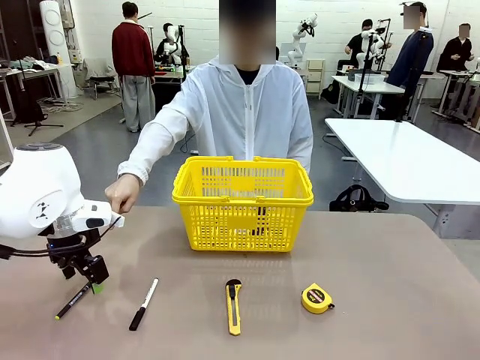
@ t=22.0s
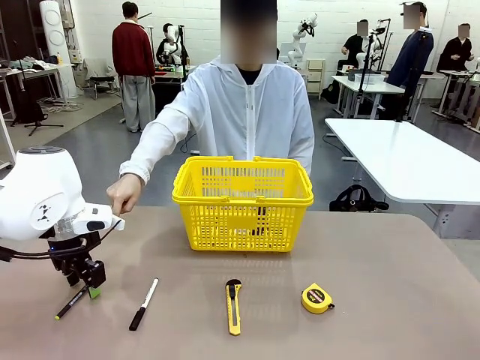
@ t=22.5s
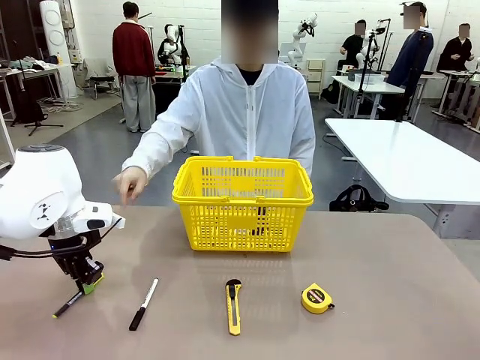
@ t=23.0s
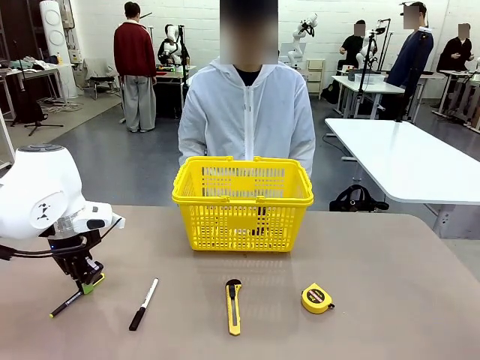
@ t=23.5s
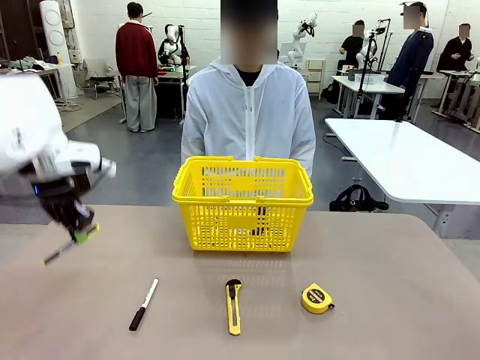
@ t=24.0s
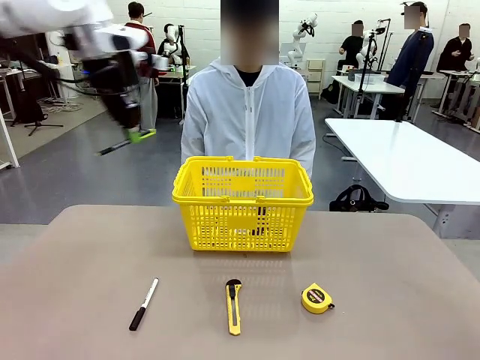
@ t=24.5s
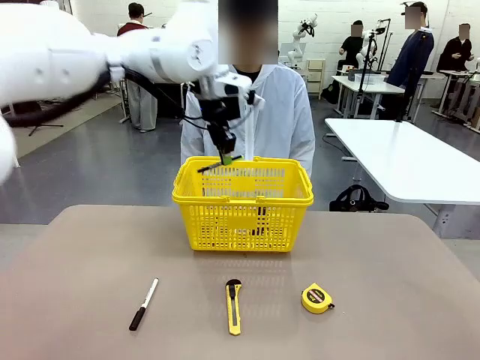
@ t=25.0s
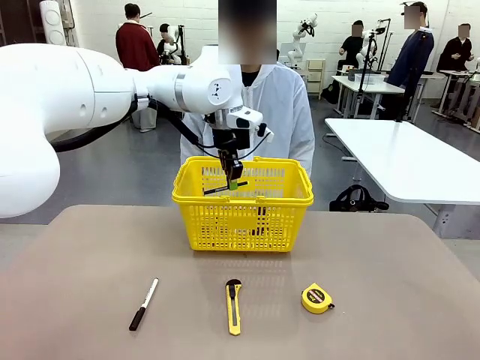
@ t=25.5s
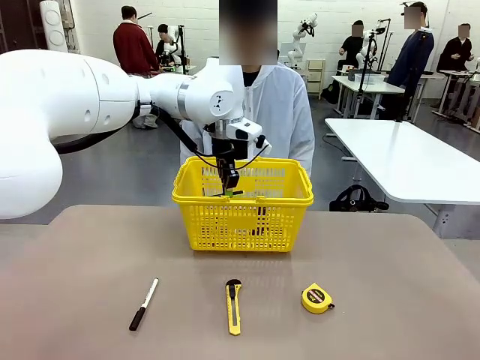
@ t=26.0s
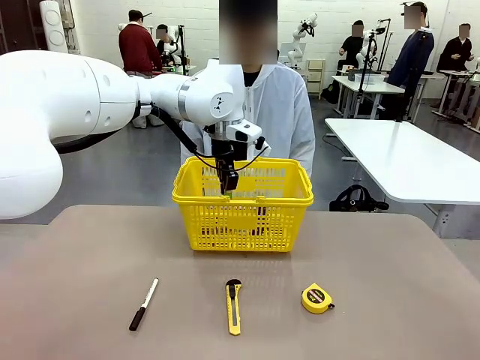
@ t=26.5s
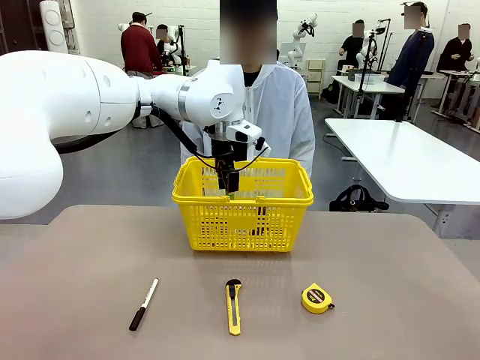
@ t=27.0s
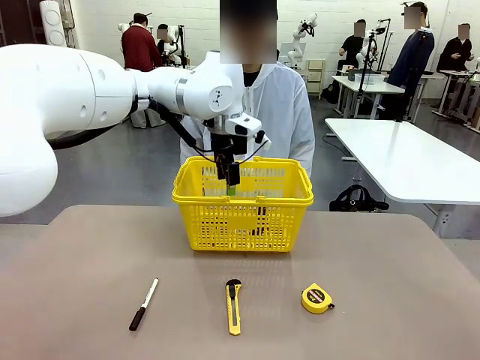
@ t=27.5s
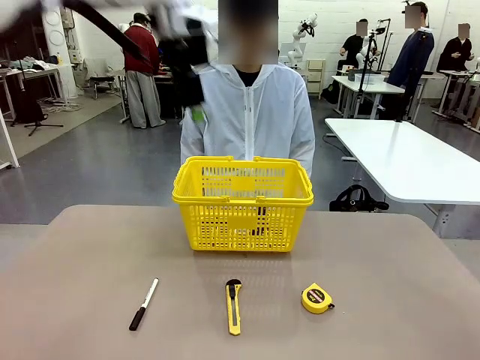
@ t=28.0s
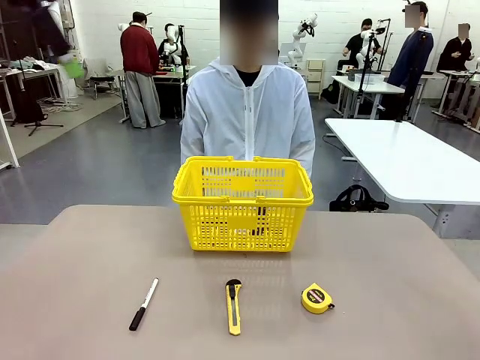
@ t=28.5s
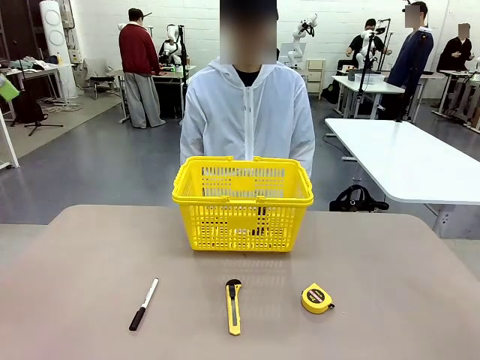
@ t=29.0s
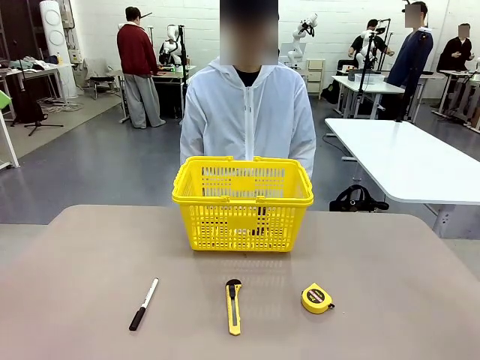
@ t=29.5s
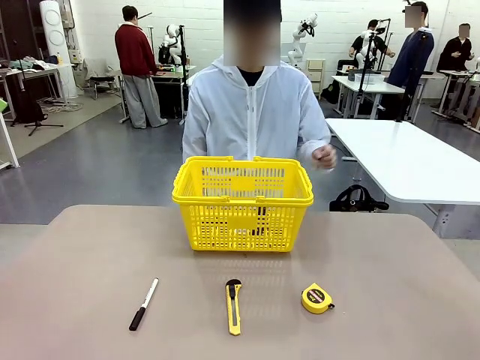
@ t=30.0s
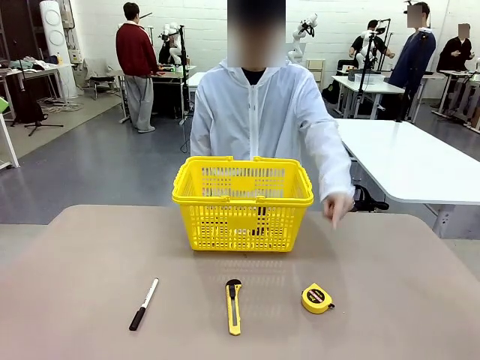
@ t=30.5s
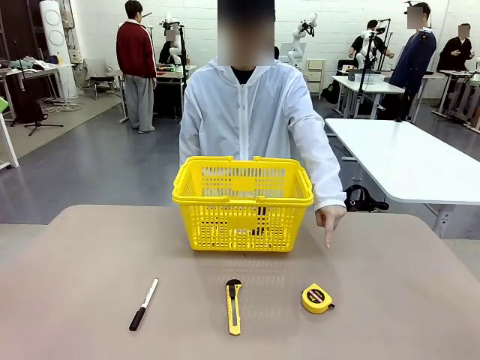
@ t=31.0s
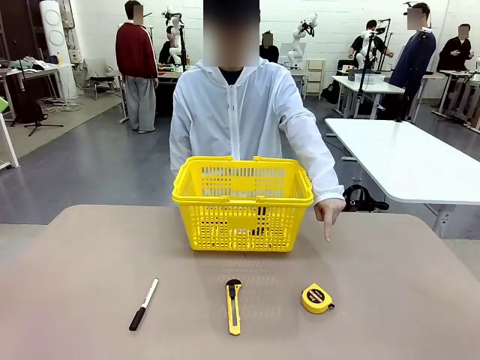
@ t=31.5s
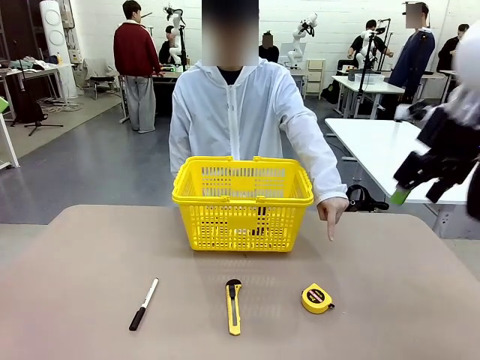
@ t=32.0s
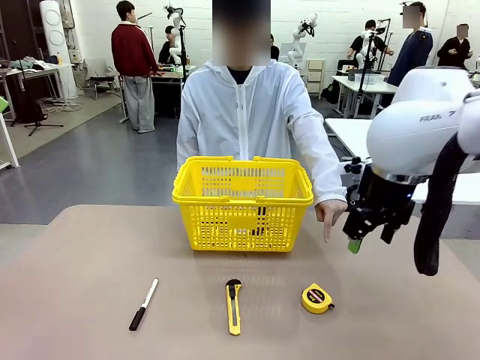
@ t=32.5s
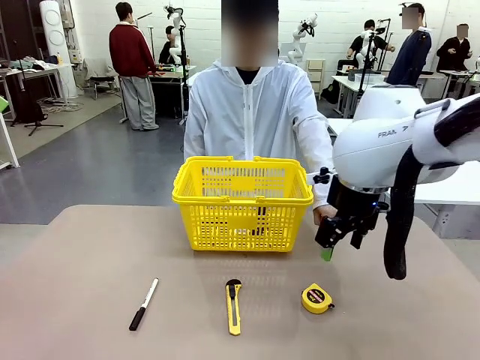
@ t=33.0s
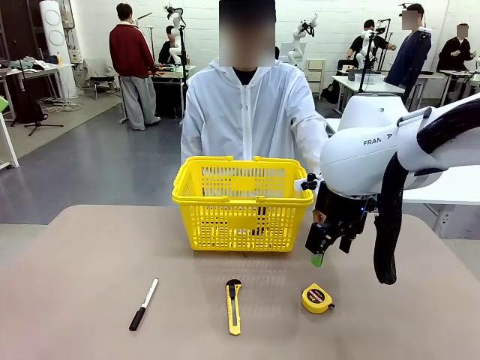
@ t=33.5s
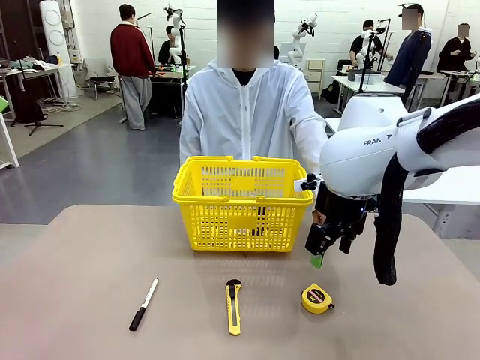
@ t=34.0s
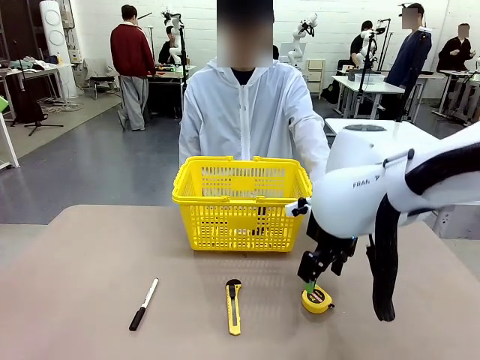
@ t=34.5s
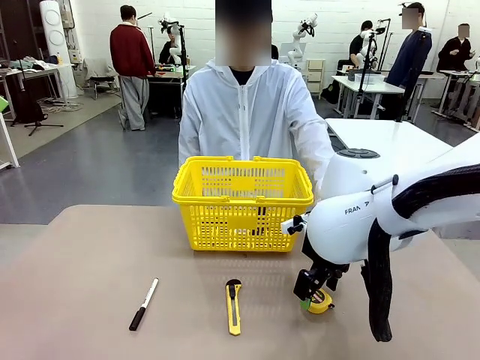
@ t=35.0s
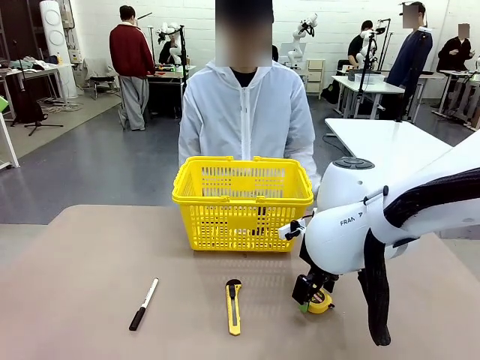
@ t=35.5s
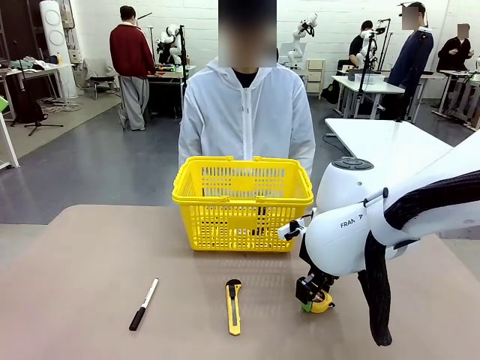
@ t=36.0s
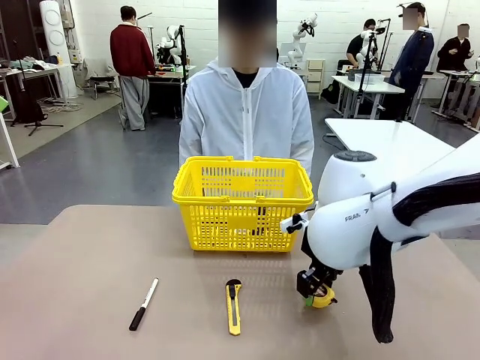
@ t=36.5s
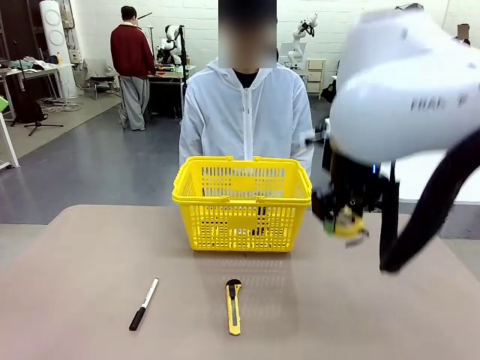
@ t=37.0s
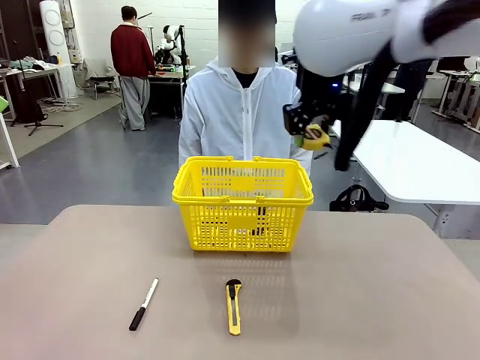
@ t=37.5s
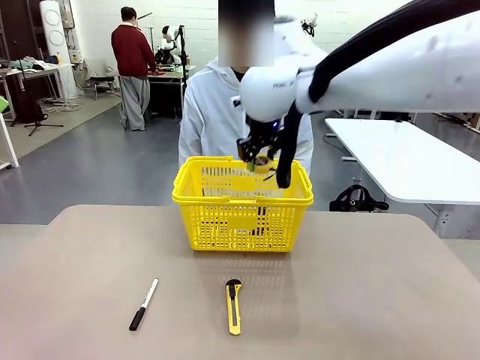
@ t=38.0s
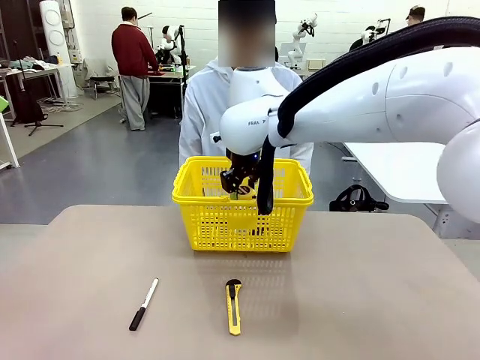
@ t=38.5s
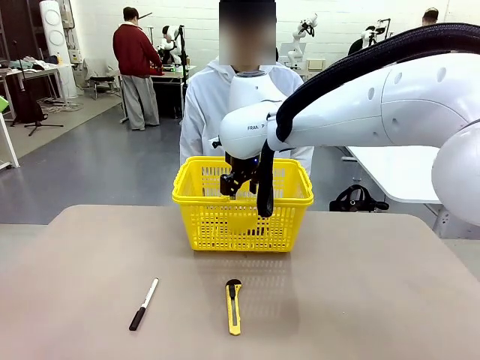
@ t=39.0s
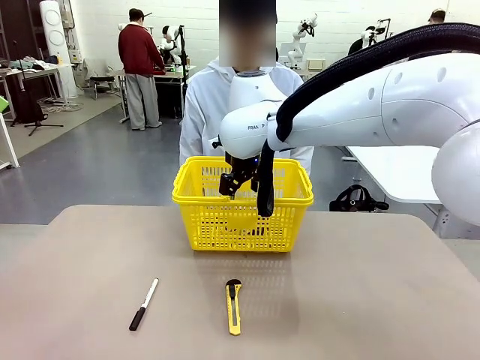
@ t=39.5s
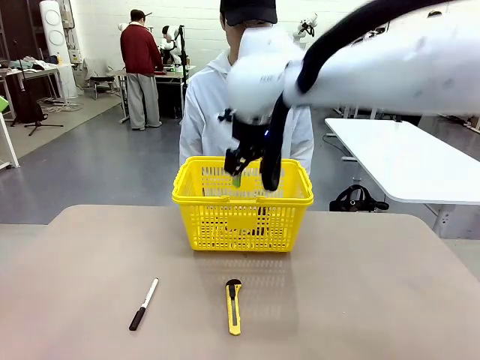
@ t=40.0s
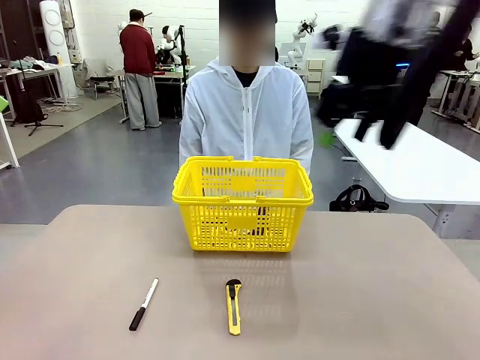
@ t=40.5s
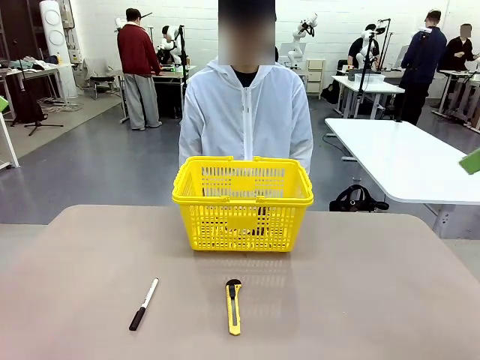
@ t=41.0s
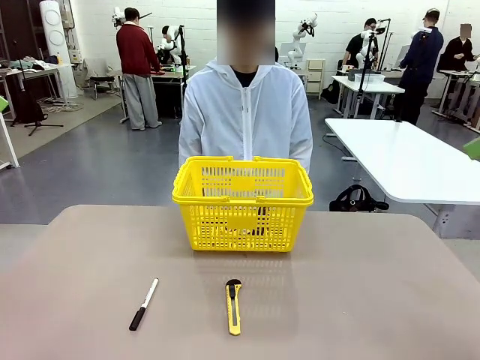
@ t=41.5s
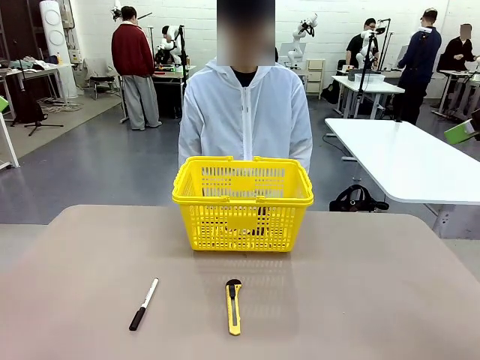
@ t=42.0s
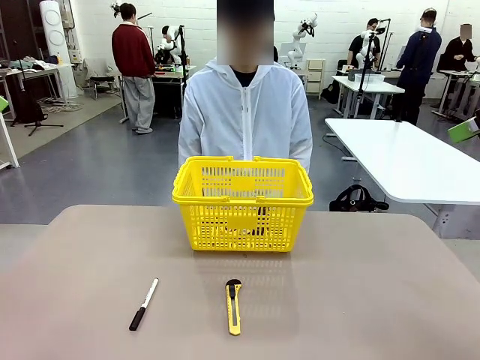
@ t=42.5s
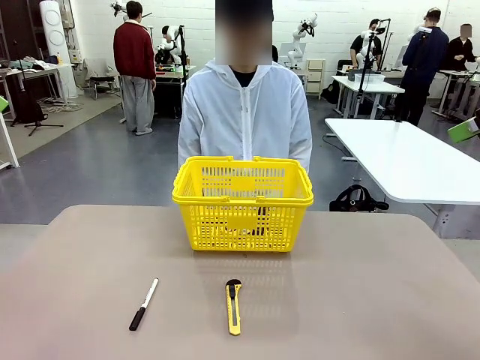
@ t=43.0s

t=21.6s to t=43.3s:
Task: Place the items the person wants into the basket.
Robot: Pick up the item the person points to and place it in the Market Basket.
Person: Point to one object on the table (excluding the basket).

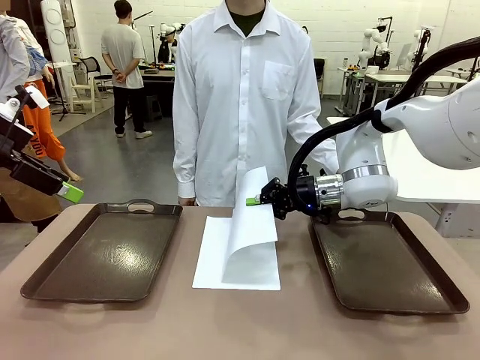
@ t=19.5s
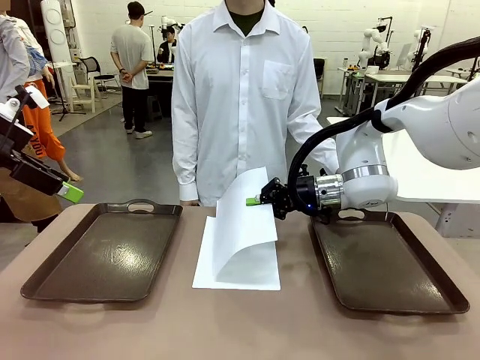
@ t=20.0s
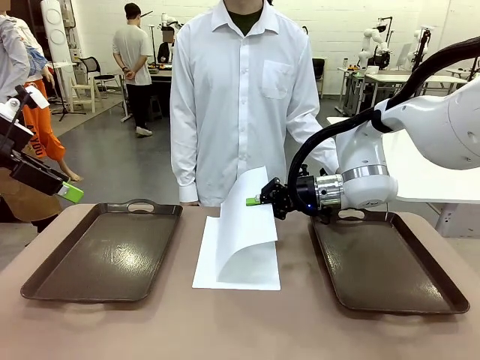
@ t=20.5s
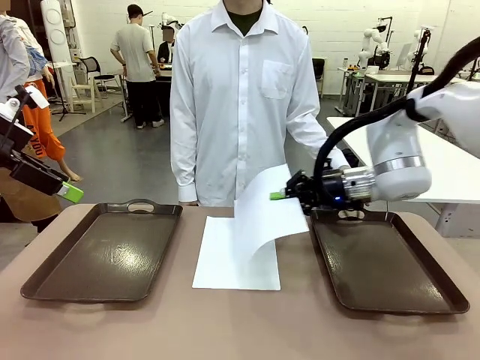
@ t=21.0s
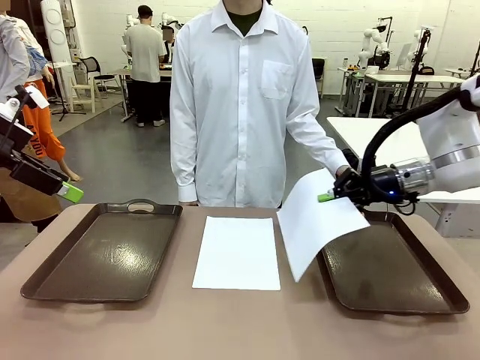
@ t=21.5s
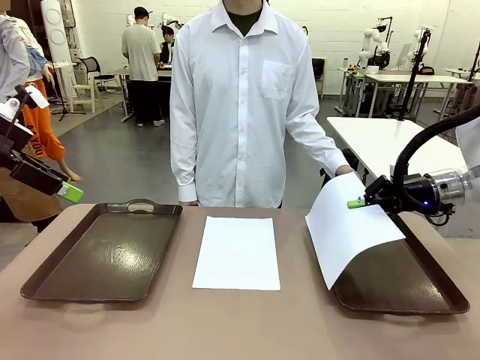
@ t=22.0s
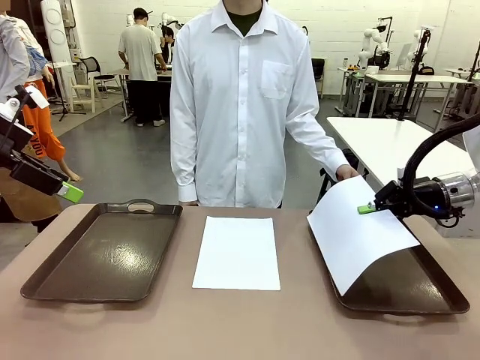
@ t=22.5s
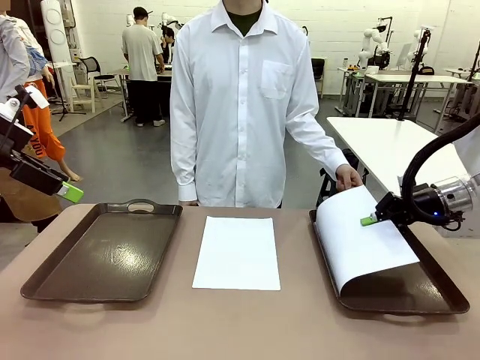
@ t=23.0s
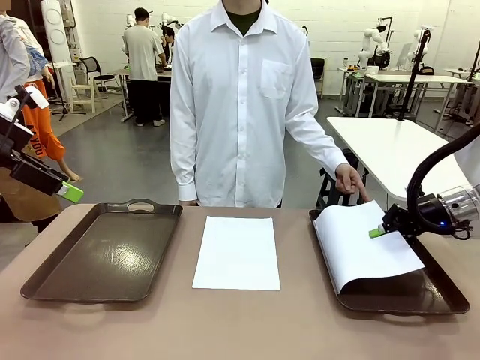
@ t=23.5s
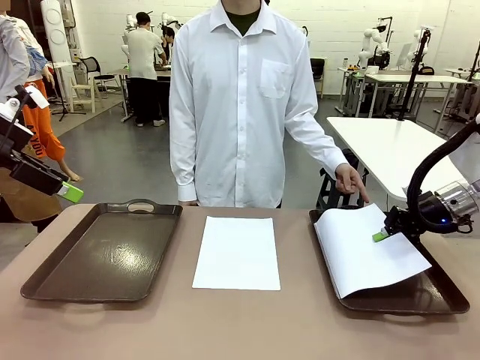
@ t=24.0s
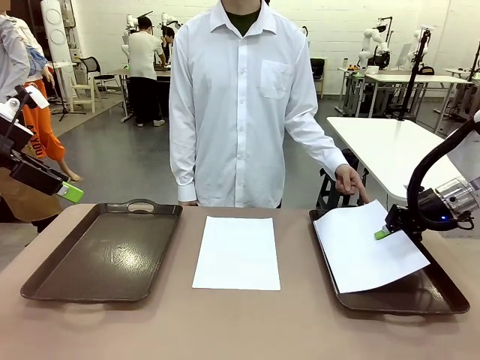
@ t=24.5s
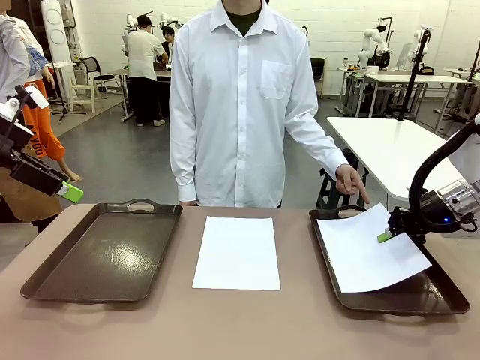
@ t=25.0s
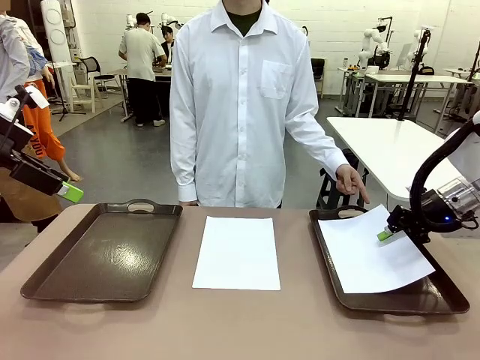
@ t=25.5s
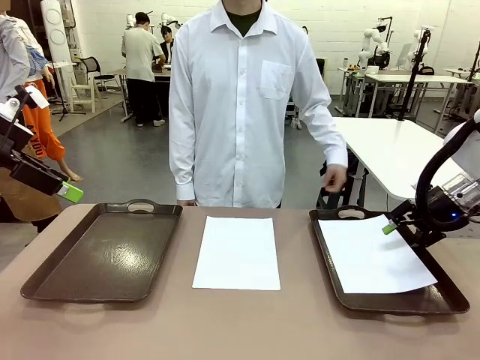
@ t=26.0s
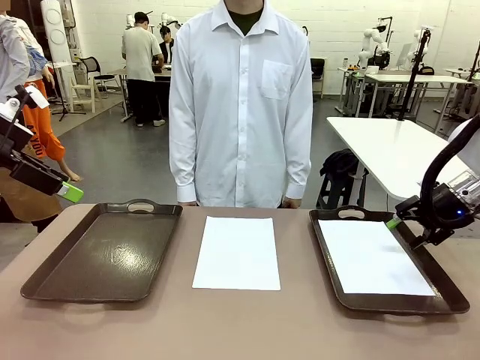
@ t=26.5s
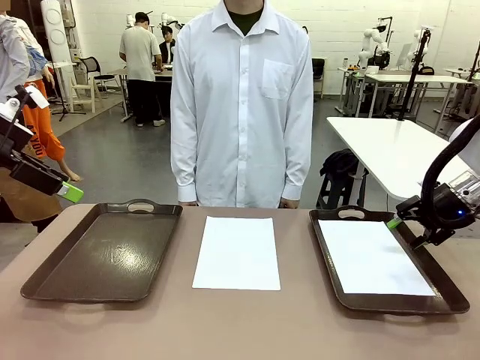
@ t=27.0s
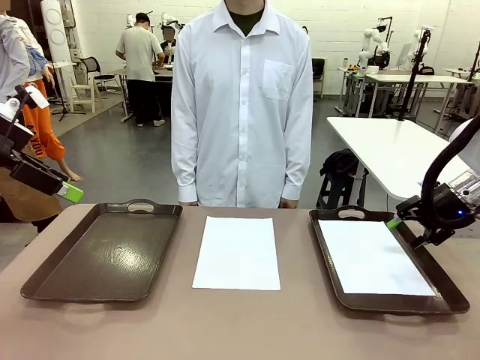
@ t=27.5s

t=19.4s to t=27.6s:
Task: Sort the A4 documents.
Robot: Place the A4 Paper in the designated Handle tray.
